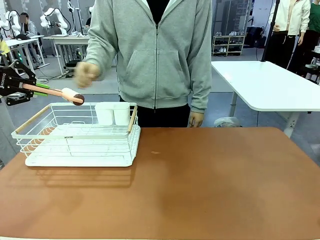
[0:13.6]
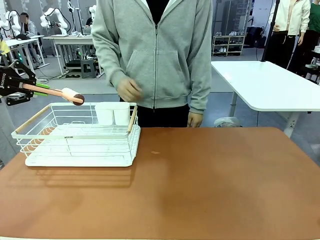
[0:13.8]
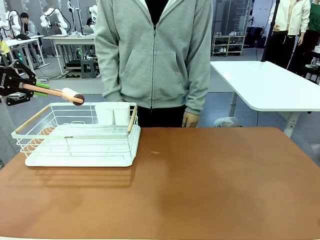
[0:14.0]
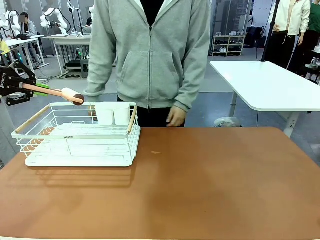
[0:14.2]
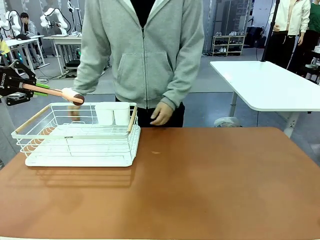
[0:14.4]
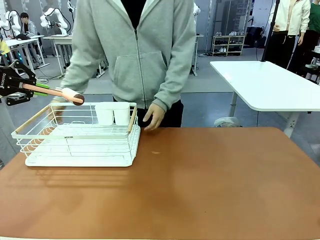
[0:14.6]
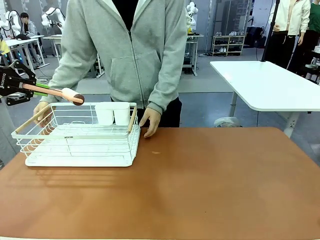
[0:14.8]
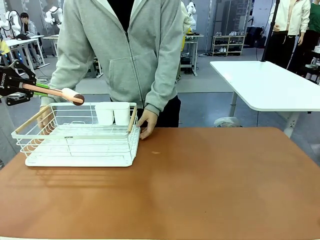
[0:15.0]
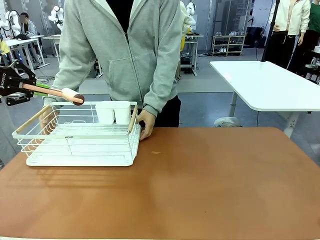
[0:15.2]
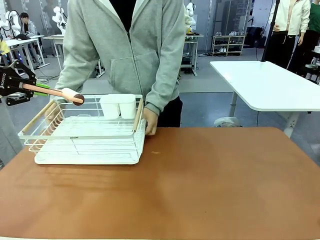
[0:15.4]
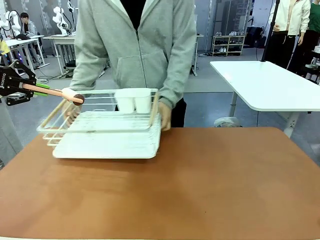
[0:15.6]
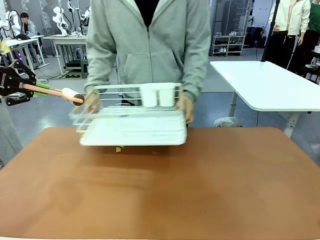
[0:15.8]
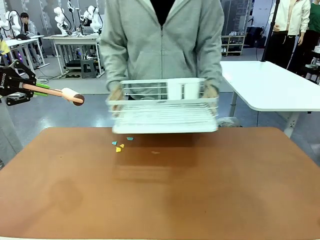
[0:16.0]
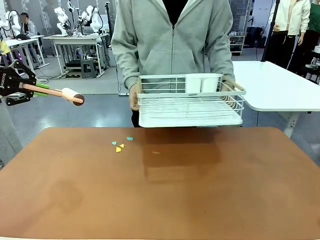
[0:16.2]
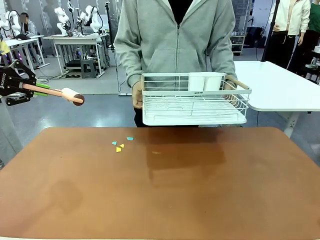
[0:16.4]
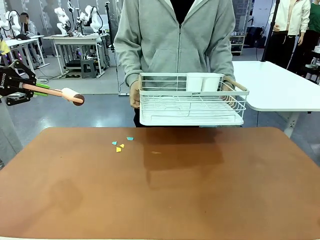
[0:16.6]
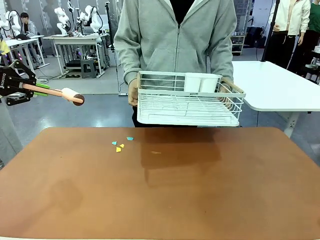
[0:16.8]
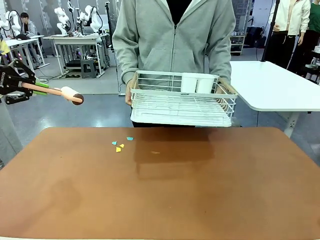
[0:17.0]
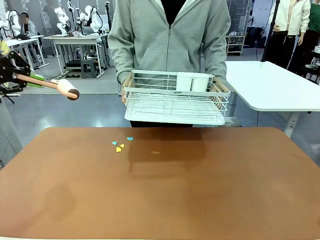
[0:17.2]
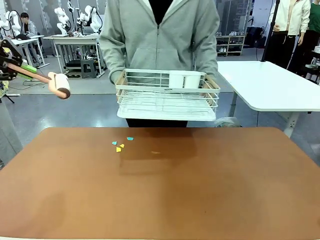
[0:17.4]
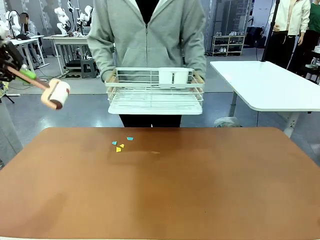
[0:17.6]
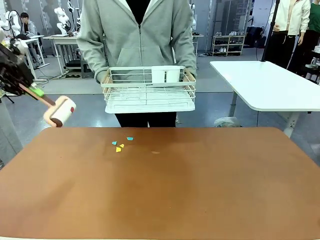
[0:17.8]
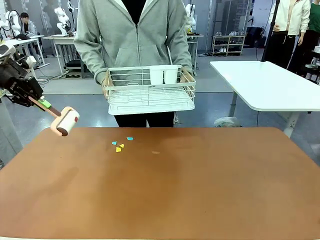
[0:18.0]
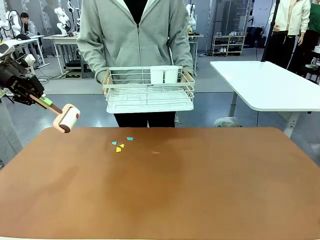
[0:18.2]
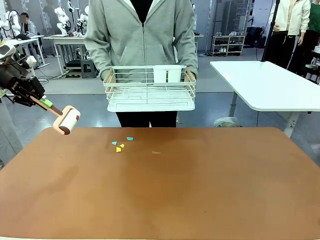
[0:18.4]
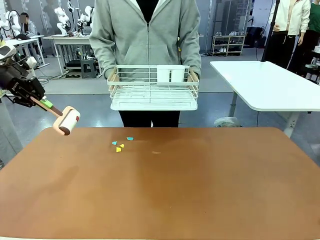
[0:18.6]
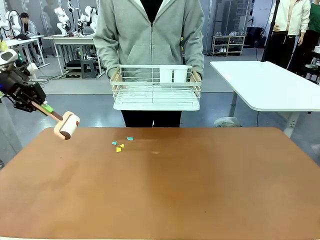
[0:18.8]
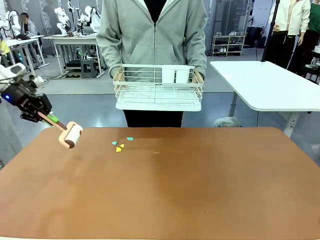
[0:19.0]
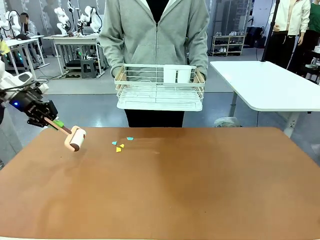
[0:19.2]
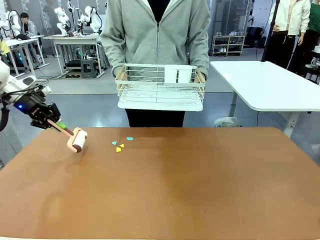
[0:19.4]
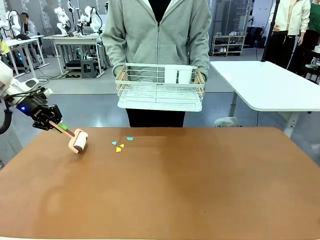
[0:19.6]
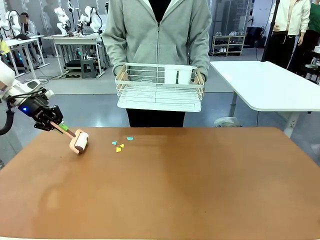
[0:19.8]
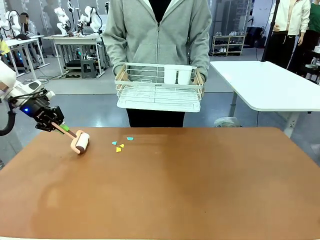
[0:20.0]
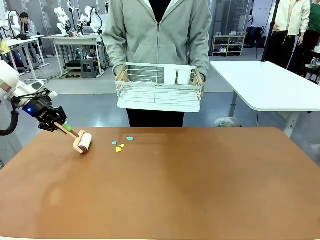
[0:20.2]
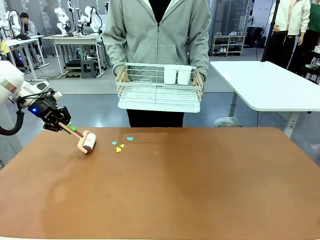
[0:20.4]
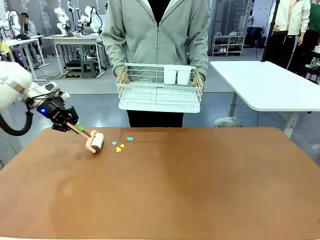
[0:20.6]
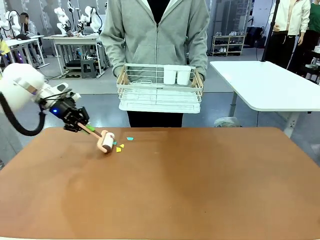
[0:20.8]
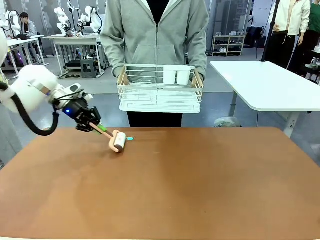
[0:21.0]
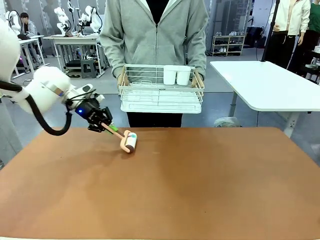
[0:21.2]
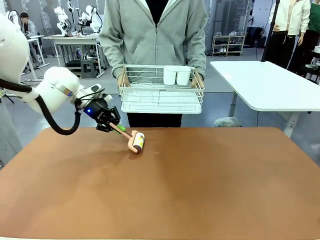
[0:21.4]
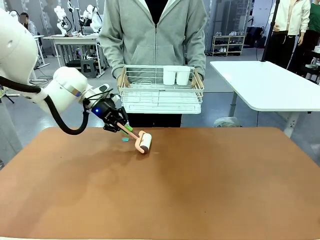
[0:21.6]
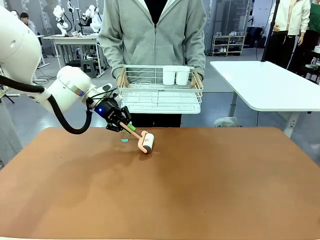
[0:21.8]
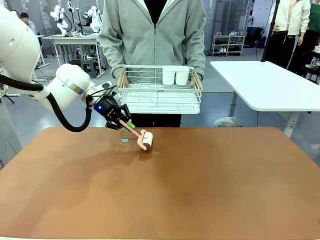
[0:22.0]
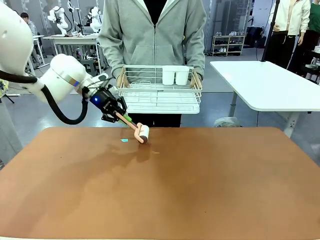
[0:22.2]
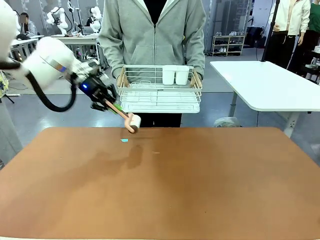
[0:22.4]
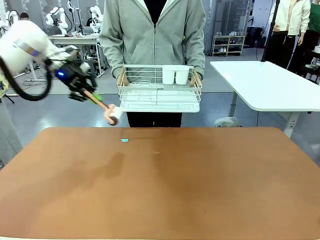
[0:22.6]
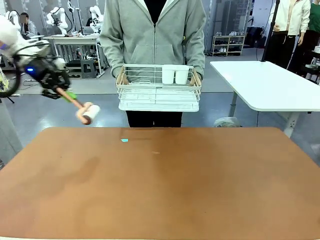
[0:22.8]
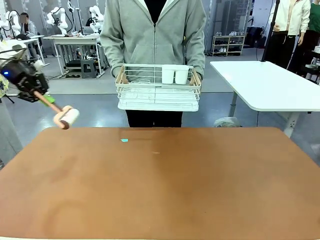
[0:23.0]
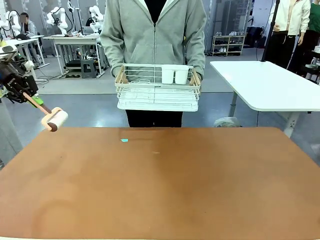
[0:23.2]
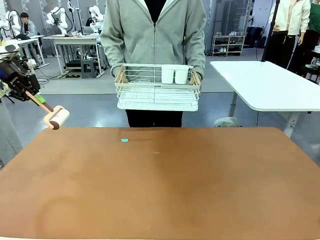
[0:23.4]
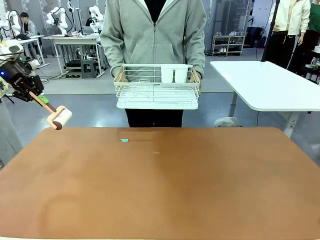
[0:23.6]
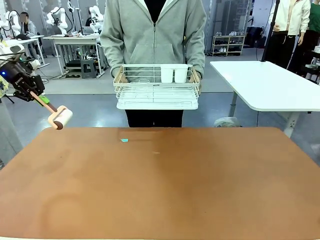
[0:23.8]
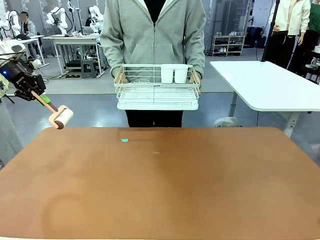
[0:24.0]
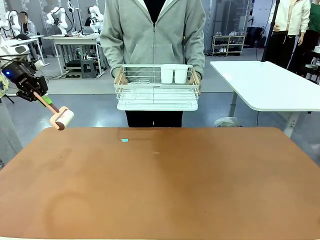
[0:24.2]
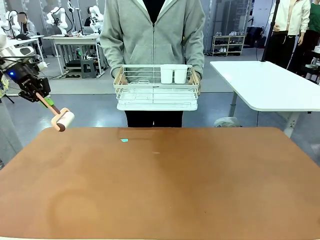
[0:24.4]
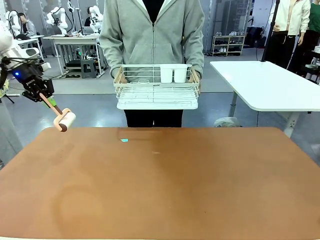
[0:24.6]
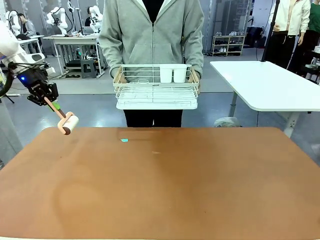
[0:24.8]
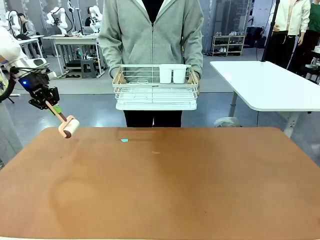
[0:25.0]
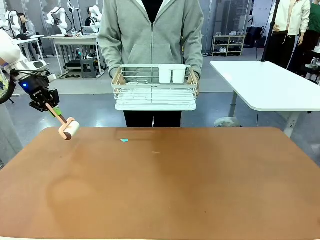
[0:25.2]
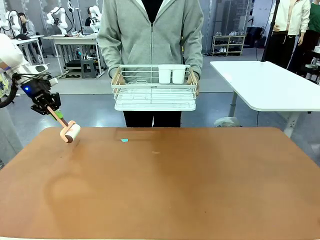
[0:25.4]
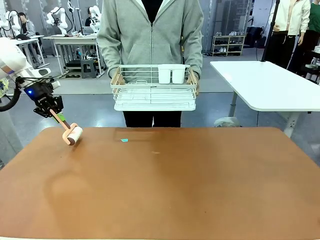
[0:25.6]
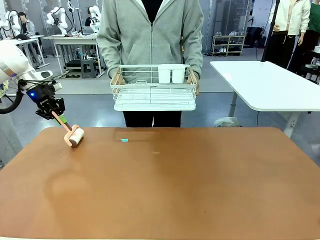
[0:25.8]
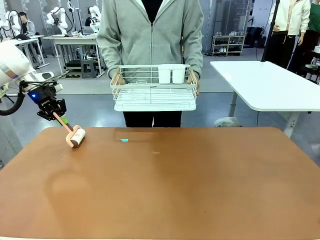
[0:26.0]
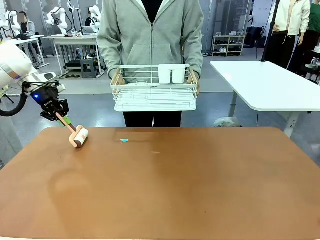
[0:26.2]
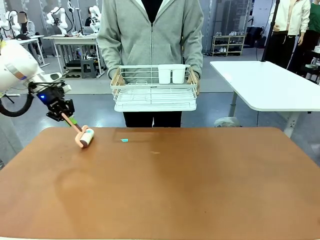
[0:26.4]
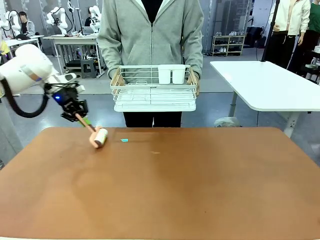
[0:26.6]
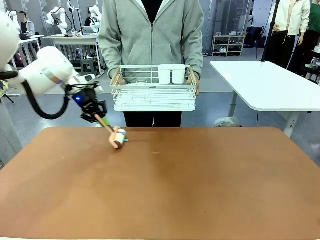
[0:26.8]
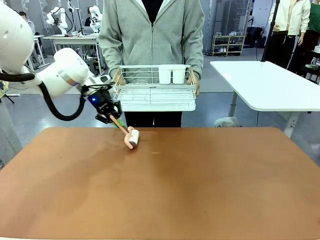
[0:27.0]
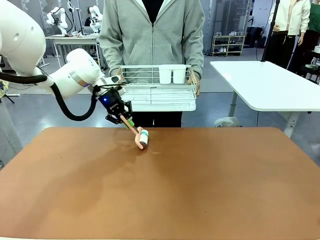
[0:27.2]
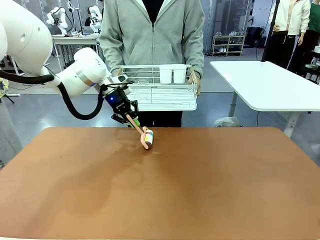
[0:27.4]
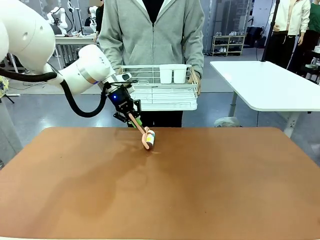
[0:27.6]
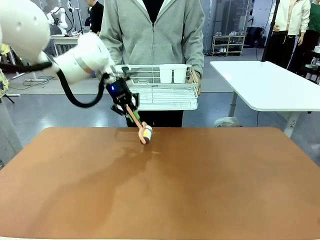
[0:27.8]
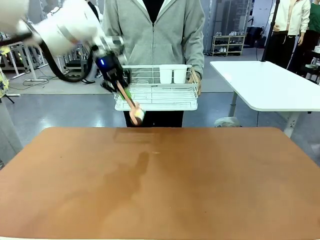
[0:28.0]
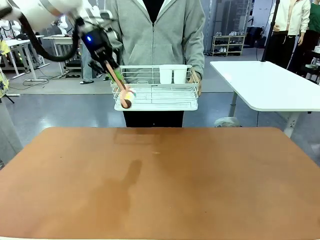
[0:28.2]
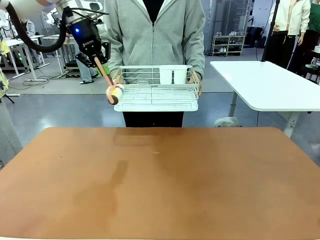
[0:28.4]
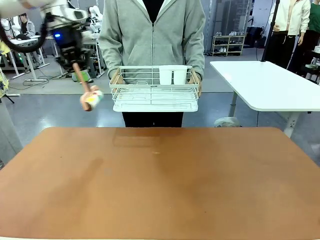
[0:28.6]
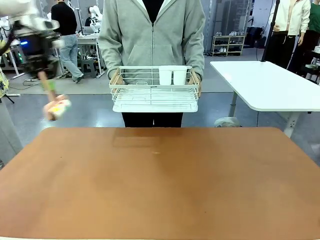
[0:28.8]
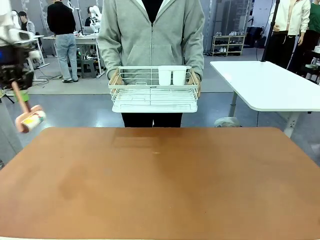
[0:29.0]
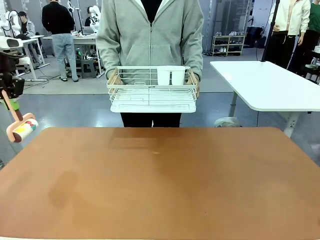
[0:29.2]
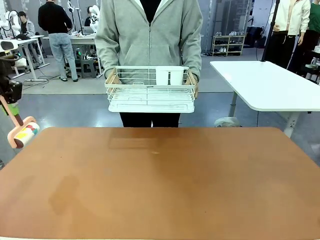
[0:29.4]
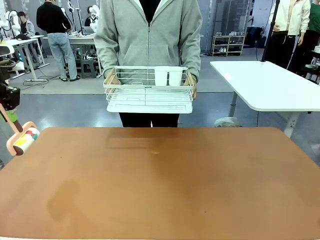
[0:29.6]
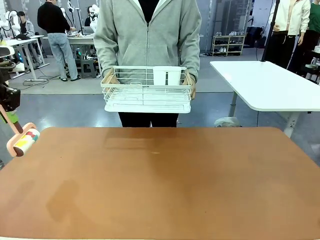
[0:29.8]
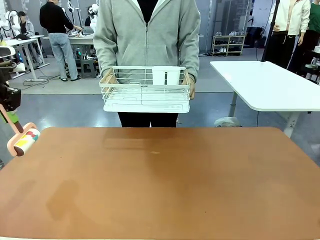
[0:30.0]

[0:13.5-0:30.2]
Task: Clean the table.
Robot: Clean the table with the Lint Roller when the human lifts the Dish drying rack.
Person: Place the Dish drying rack down when the robot finishes cleaning.
